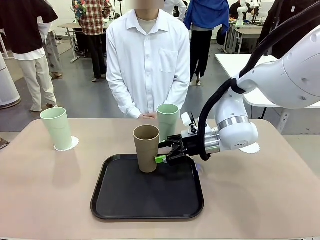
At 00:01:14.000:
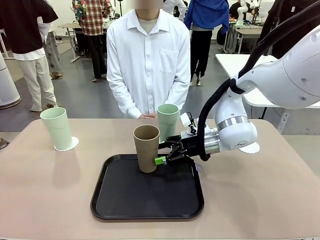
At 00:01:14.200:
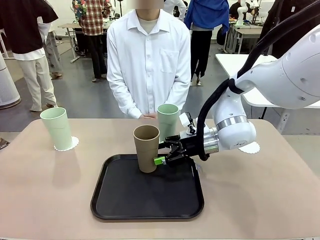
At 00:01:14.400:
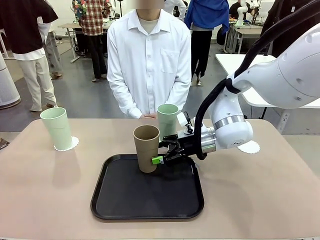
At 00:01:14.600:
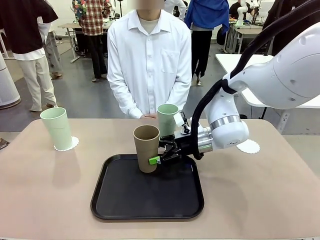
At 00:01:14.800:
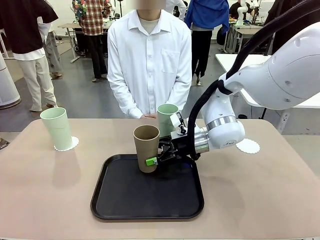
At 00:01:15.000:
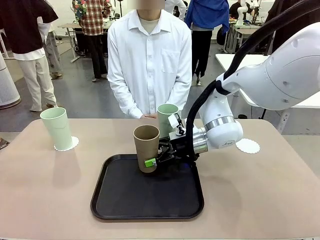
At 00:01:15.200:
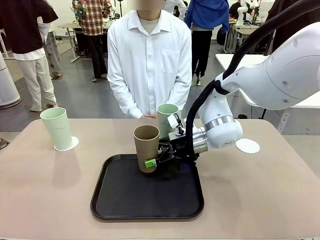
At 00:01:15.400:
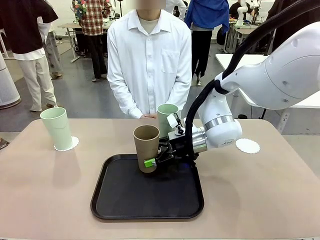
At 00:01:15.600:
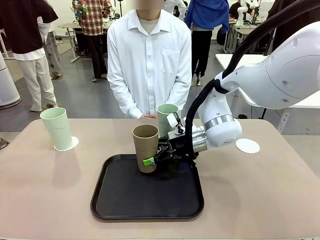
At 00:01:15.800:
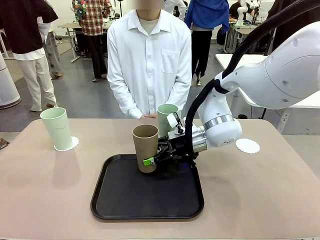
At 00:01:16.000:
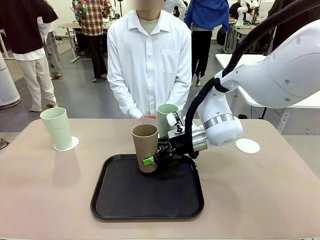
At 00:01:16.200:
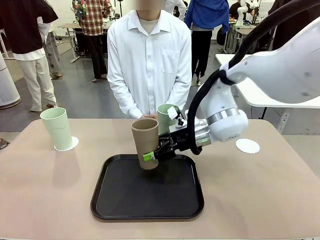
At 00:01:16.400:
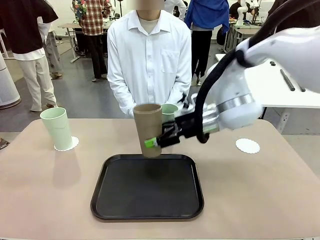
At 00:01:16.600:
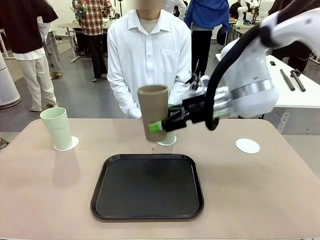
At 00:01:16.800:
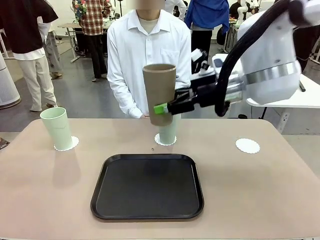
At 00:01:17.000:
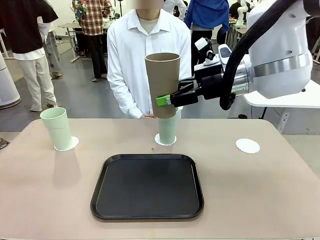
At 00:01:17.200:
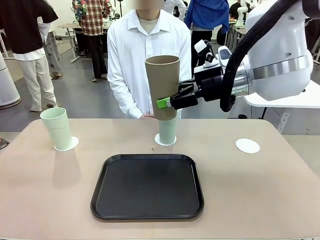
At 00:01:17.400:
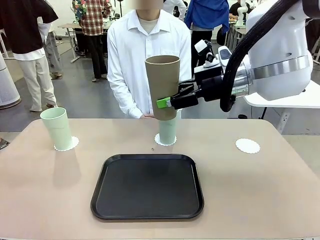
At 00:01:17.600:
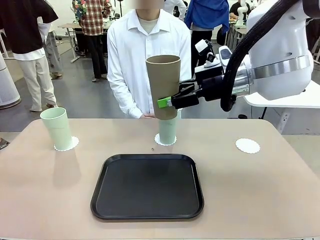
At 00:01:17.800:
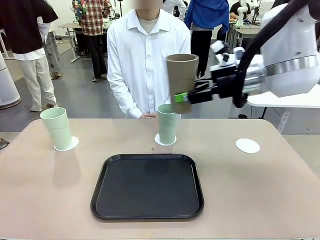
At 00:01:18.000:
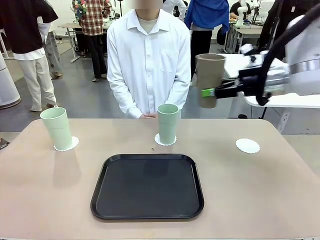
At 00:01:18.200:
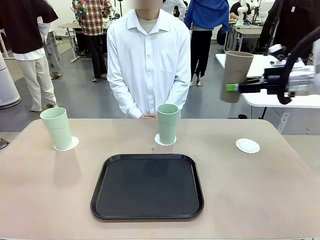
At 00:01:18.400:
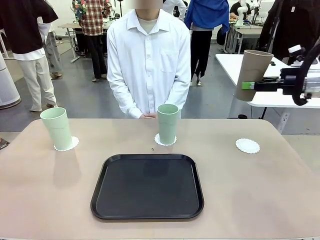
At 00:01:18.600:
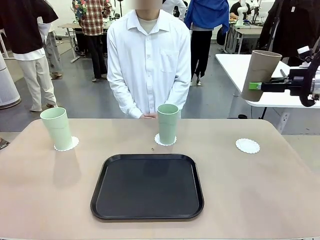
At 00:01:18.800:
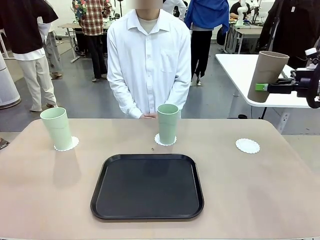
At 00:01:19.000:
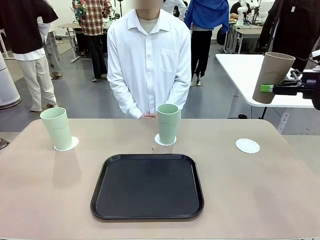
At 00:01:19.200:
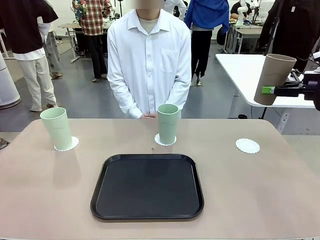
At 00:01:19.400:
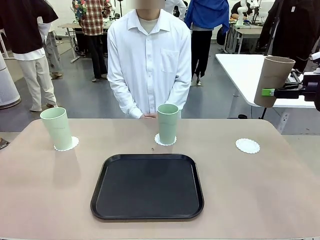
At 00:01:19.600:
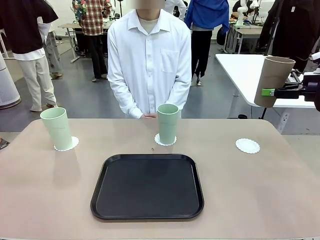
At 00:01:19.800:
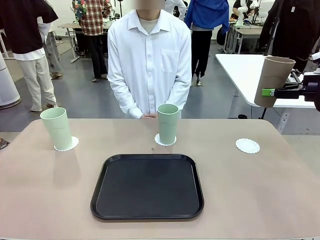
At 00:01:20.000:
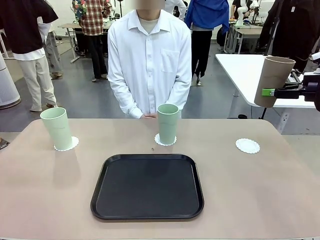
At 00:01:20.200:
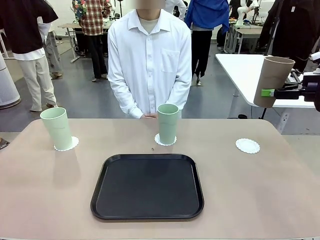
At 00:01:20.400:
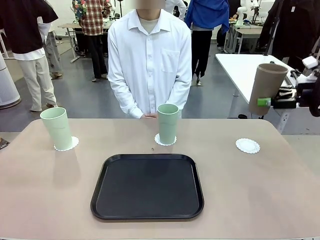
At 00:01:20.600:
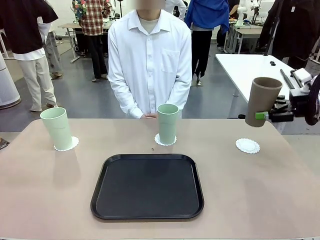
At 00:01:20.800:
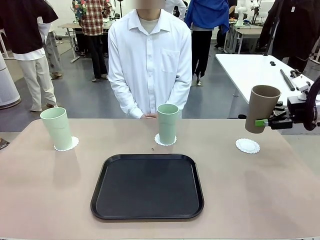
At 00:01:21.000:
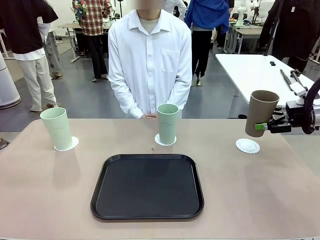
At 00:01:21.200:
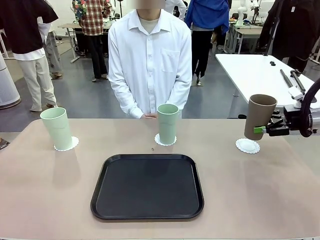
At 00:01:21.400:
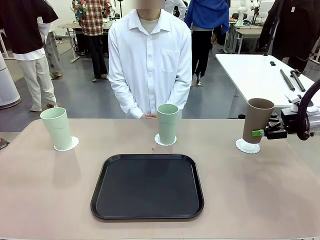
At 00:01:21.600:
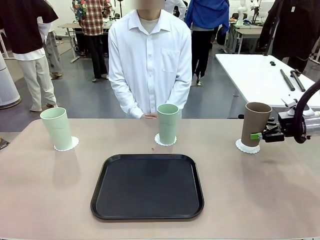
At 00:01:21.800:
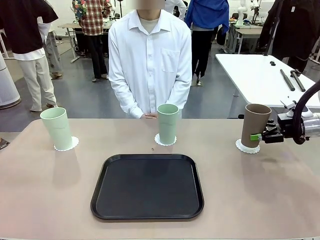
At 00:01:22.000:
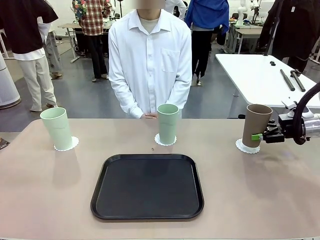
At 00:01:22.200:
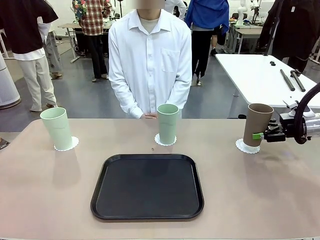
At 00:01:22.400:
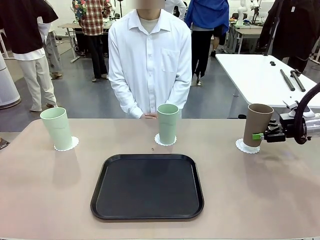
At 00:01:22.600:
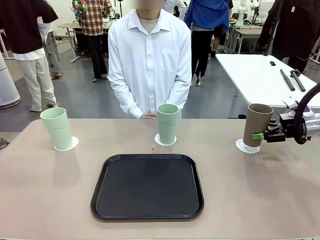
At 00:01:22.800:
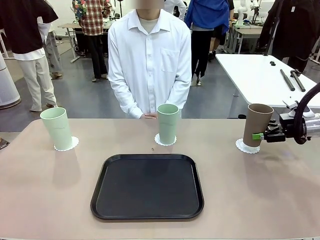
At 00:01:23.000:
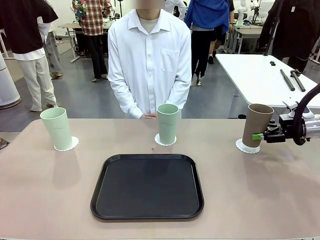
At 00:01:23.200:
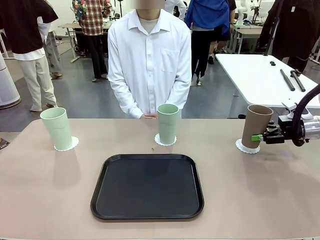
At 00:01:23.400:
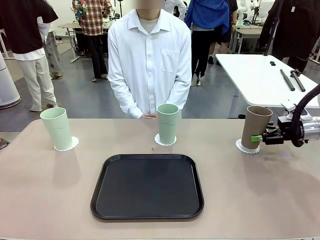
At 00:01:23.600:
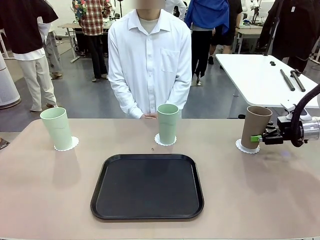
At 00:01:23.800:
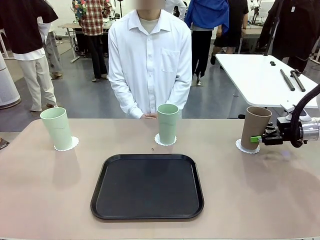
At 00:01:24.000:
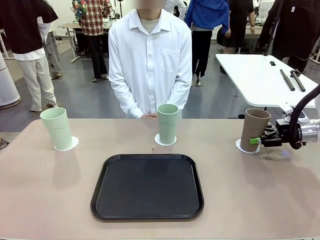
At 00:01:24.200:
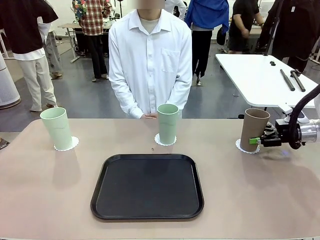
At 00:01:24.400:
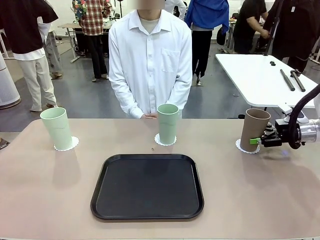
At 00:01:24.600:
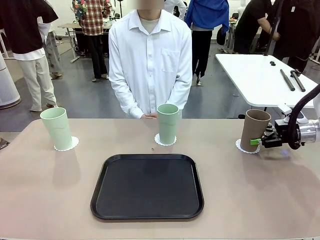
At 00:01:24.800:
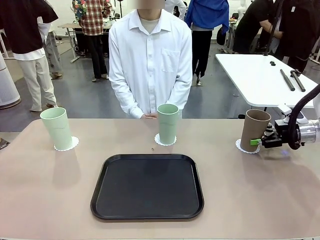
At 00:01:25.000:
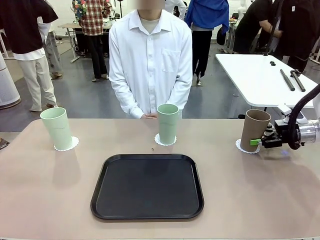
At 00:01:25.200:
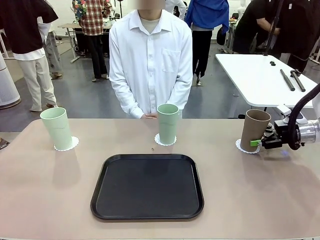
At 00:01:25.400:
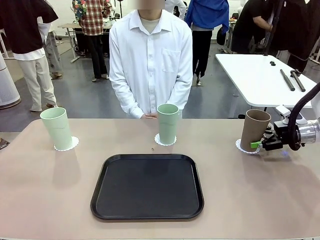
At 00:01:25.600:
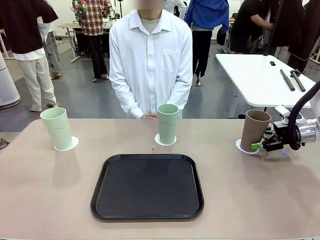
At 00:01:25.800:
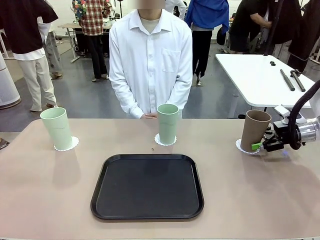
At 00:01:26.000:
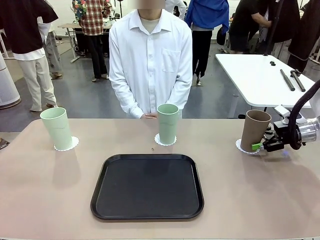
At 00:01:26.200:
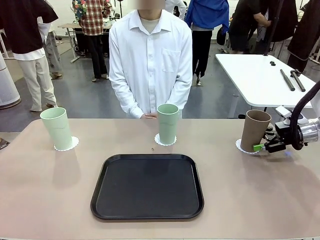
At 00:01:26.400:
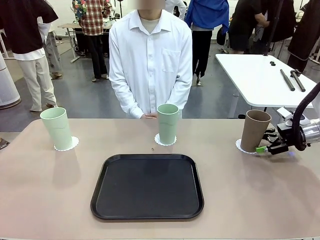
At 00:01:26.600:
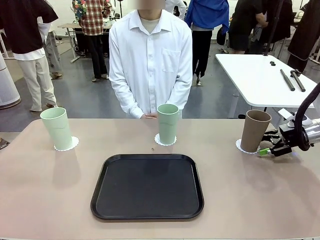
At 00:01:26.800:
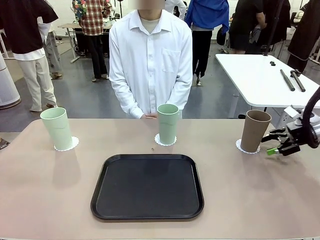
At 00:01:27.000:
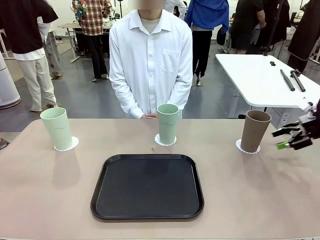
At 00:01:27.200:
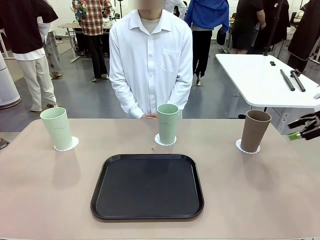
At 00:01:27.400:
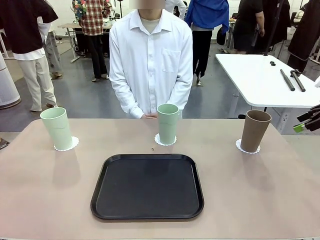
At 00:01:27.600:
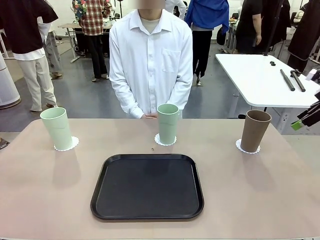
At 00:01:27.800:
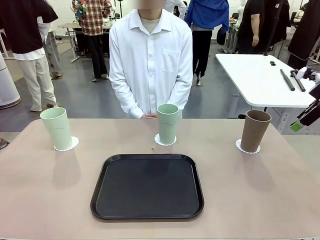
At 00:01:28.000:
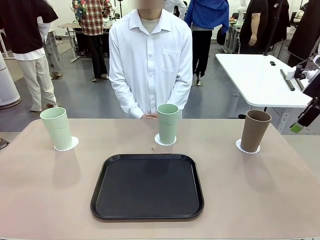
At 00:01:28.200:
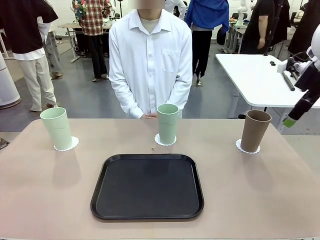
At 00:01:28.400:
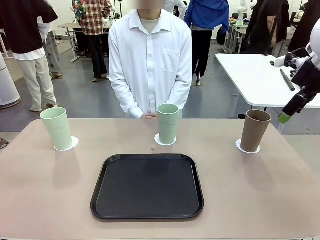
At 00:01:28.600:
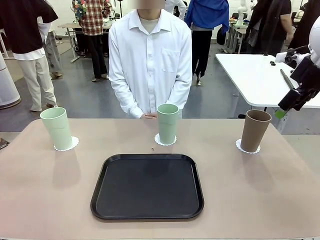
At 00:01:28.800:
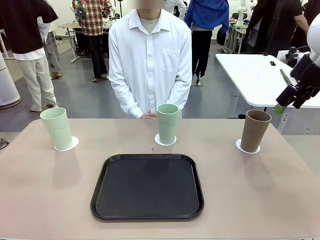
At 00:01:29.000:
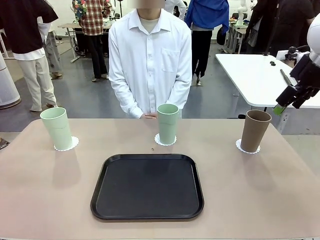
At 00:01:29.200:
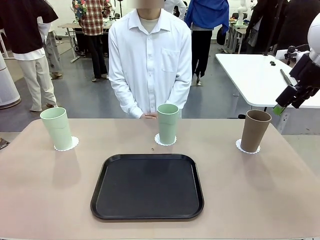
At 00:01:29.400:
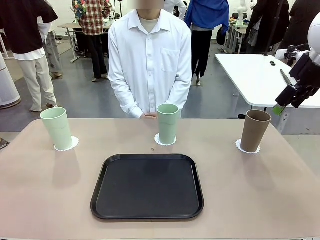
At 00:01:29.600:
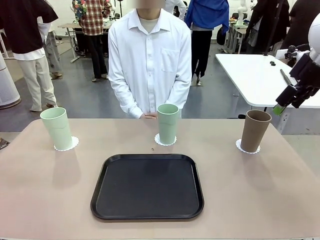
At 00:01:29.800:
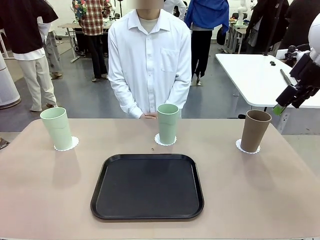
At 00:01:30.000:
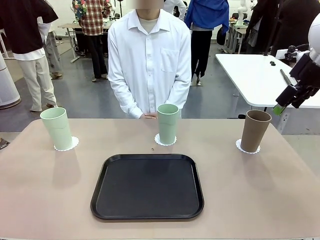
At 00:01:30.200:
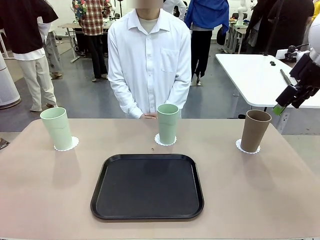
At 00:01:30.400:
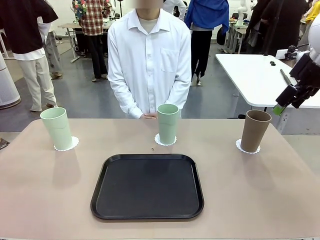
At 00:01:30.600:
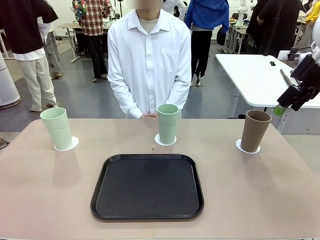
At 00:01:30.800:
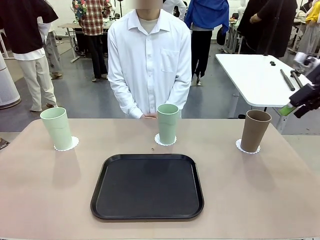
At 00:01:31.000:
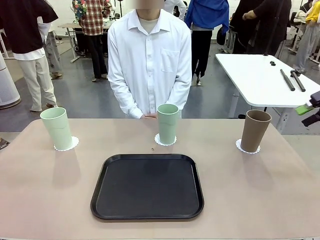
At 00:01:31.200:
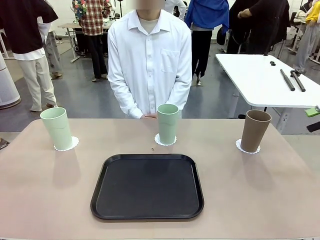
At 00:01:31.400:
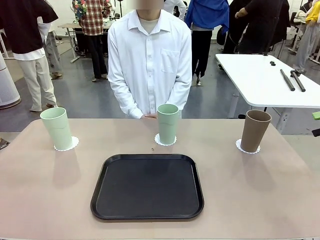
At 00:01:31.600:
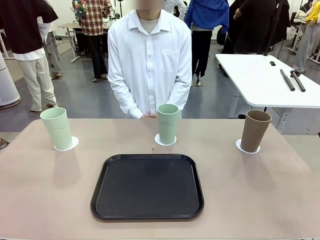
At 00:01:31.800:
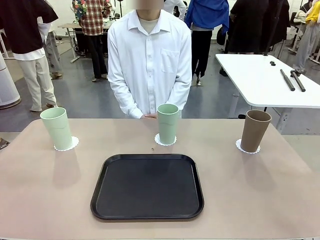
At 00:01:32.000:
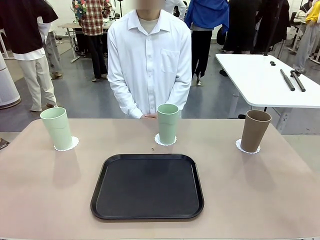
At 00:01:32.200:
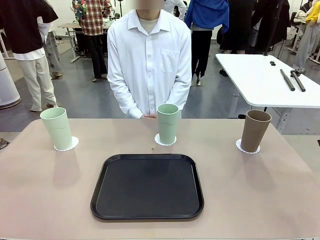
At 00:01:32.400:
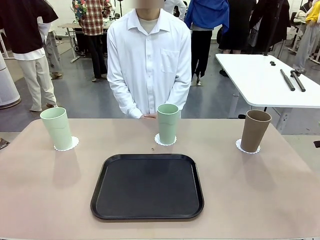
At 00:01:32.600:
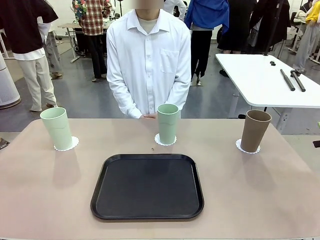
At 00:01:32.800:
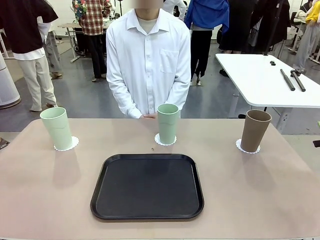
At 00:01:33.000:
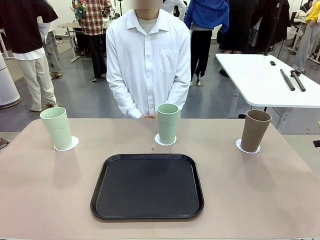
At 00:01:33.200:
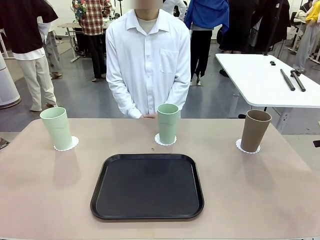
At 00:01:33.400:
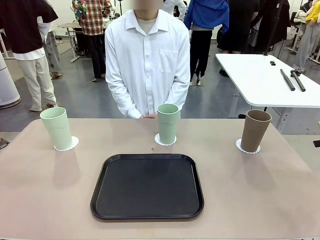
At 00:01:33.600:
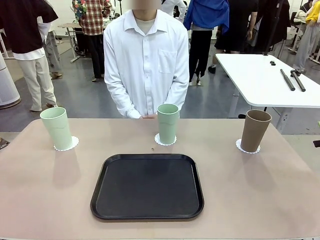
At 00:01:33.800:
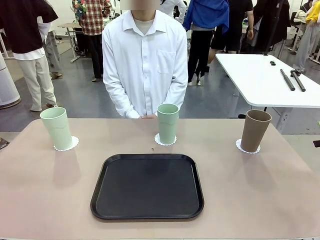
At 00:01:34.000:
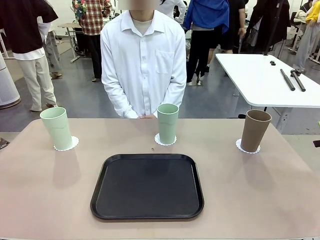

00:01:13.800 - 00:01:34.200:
Task: Place coasters on the table and set cups on them.
Robot: Take one Reusable plastic cup from the Flat Tray and place it on a coaster set by the human.
